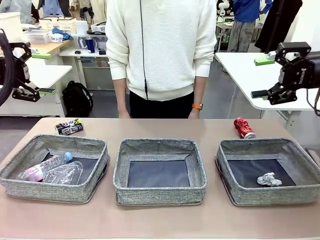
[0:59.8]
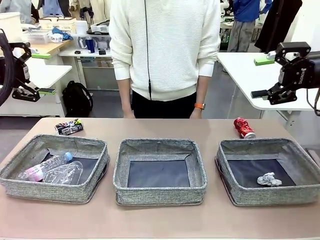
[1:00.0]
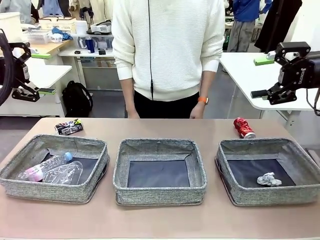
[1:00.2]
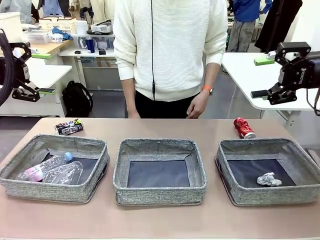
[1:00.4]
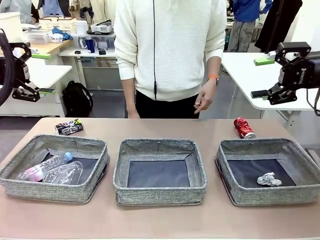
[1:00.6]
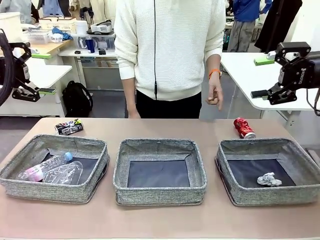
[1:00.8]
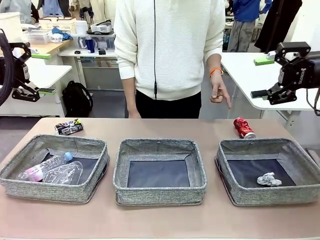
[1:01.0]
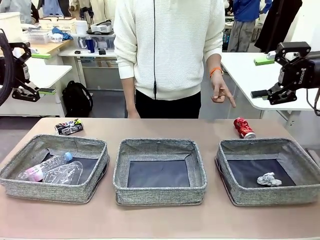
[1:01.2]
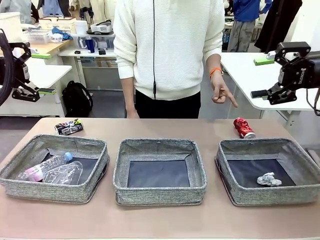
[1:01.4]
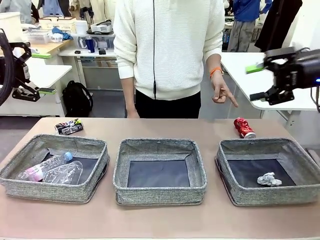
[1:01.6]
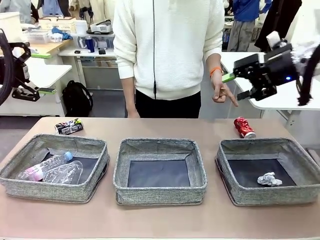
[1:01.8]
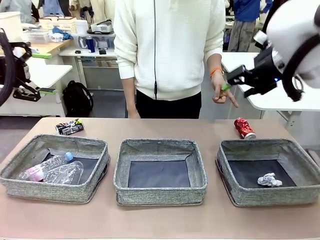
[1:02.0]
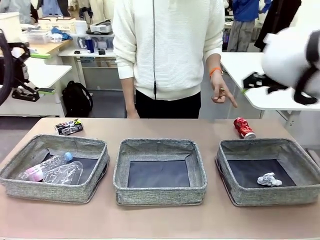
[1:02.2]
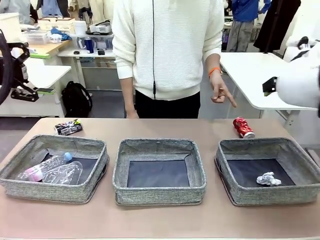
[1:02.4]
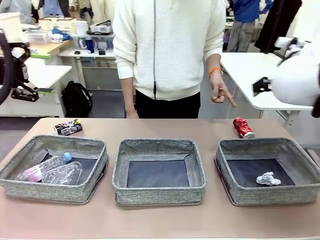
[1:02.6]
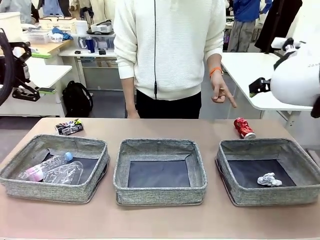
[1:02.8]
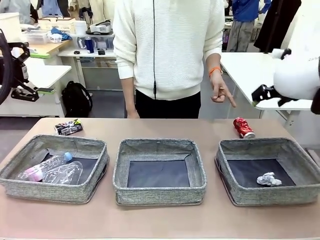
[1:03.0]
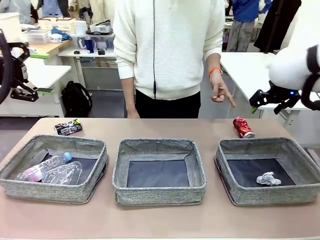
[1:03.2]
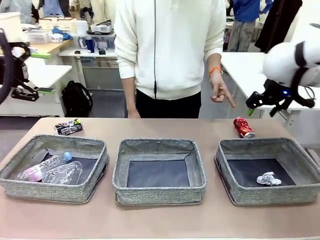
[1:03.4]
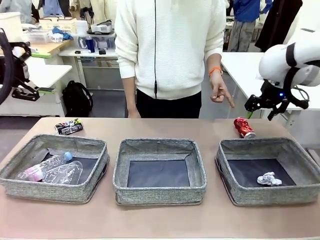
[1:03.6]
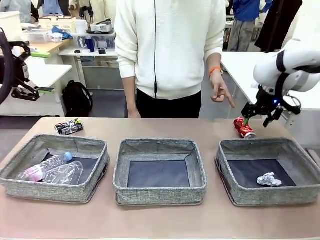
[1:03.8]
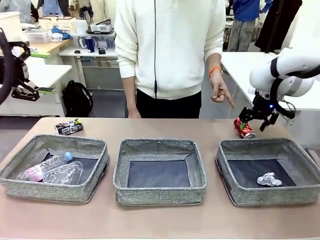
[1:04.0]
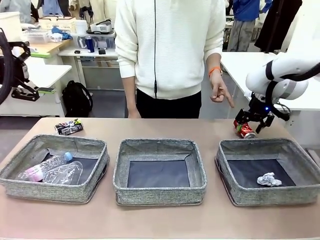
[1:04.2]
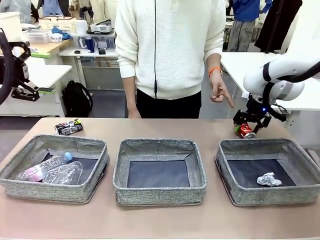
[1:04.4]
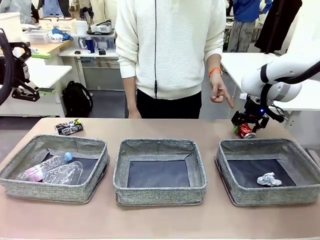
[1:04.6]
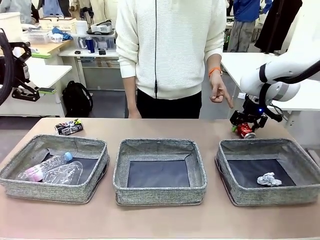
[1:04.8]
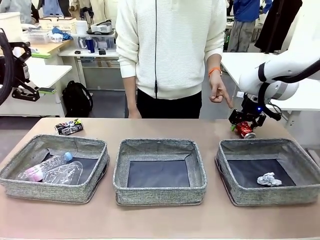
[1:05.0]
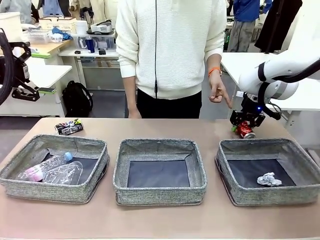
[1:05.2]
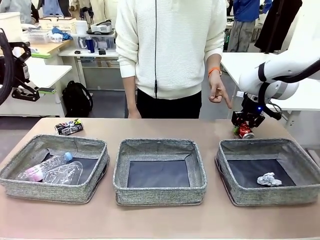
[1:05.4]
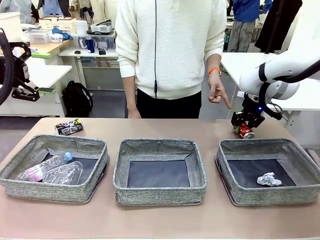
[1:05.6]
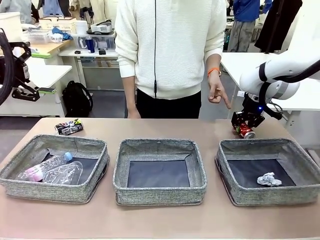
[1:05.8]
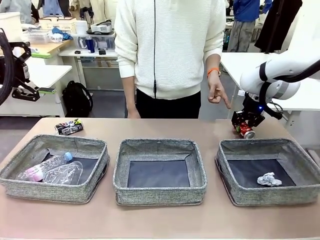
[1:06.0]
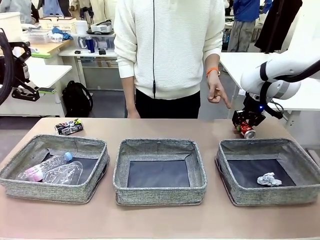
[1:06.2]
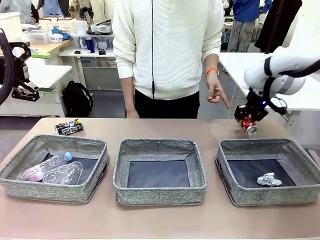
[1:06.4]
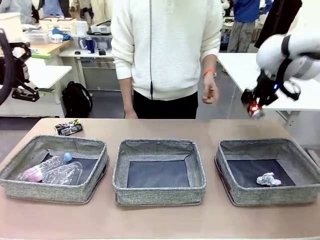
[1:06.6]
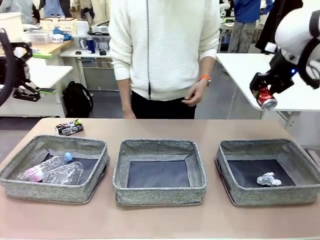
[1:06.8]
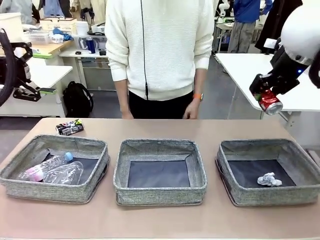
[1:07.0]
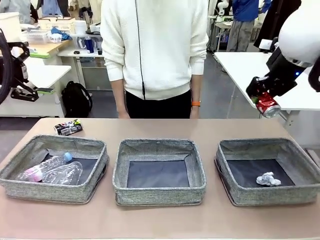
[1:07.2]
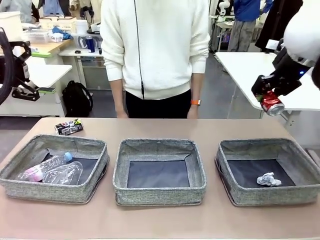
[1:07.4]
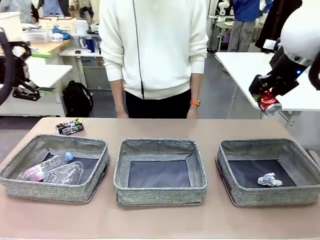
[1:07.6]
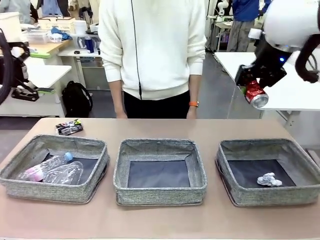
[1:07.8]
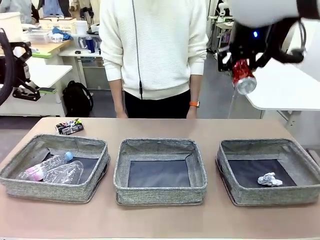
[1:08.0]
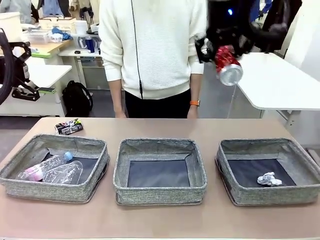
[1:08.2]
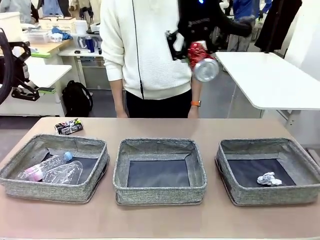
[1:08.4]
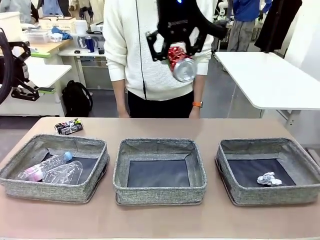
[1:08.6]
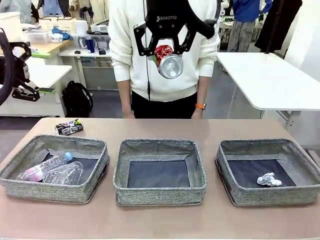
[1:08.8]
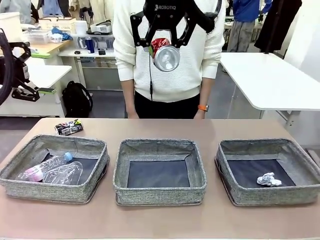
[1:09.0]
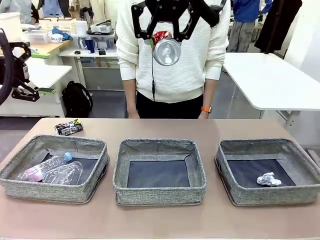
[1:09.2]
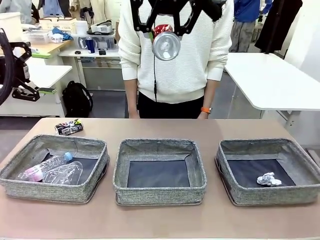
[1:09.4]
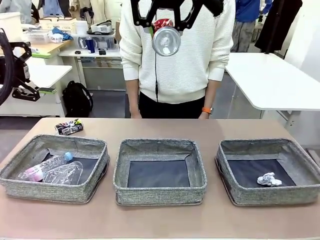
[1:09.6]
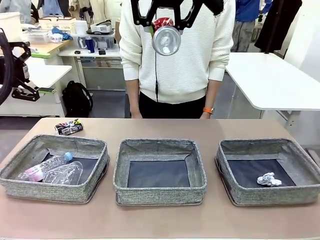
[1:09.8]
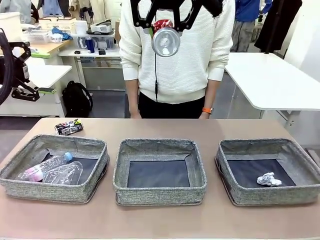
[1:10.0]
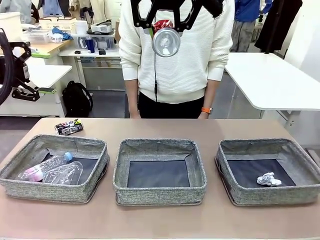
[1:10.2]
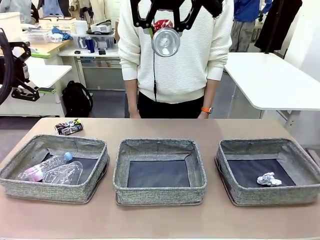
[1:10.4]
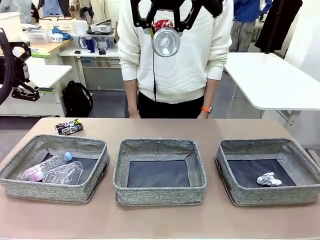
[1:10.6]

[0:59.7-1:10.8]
Task: Sort the waste into the appropriate baskets.
Robot: Pick up the waste item pointed out by the person.
Person: Points to one piece of trash on the table.

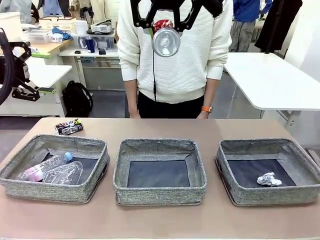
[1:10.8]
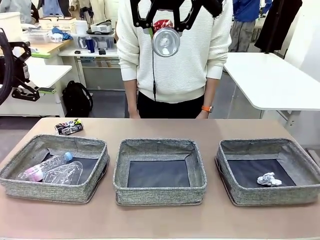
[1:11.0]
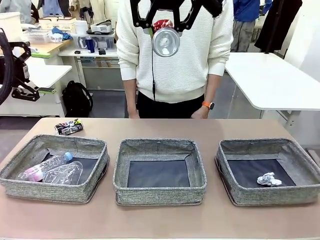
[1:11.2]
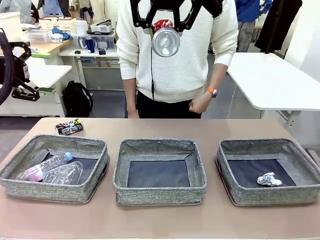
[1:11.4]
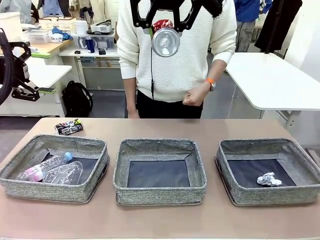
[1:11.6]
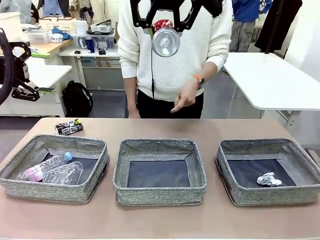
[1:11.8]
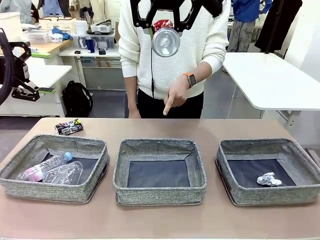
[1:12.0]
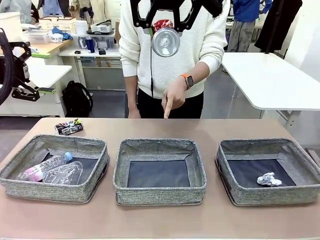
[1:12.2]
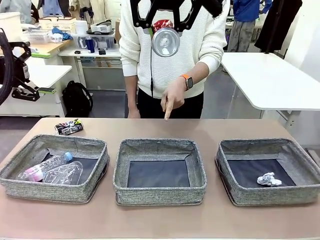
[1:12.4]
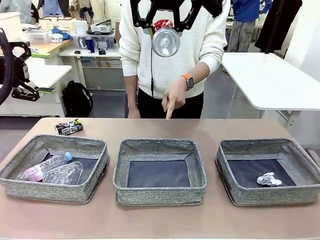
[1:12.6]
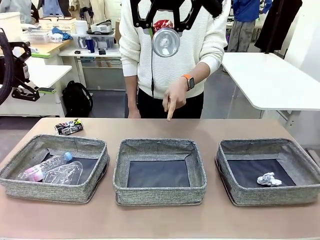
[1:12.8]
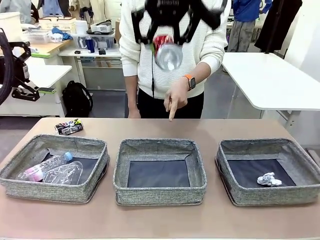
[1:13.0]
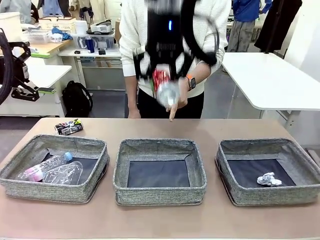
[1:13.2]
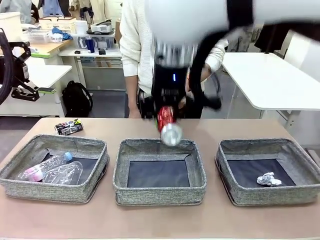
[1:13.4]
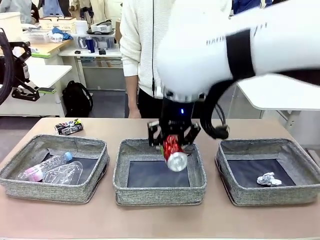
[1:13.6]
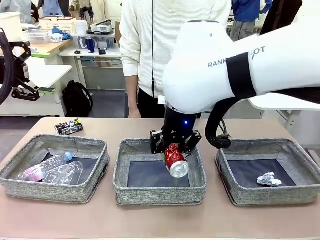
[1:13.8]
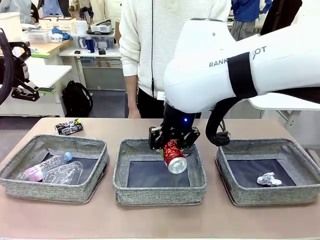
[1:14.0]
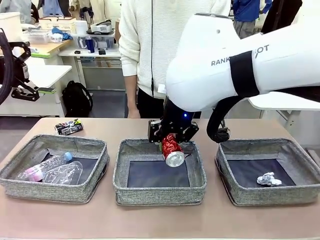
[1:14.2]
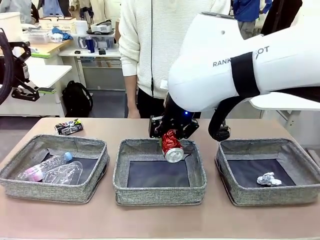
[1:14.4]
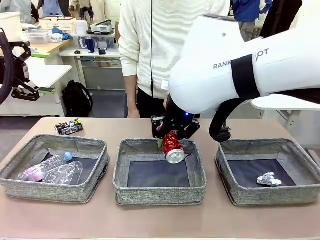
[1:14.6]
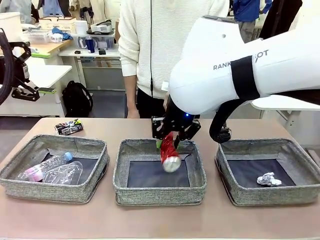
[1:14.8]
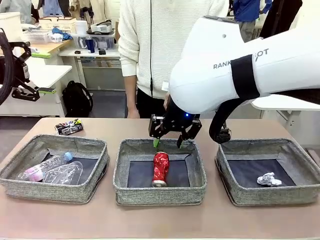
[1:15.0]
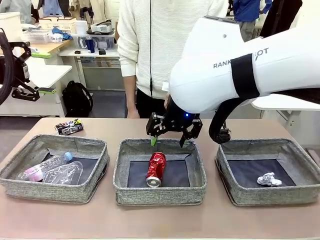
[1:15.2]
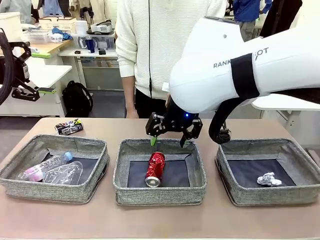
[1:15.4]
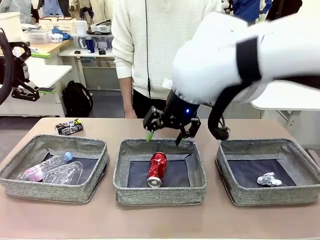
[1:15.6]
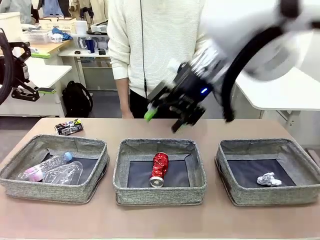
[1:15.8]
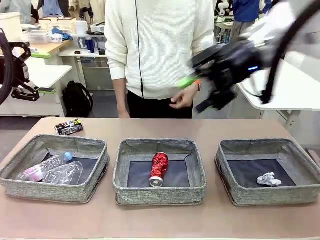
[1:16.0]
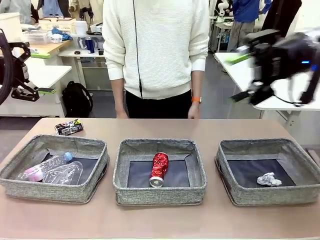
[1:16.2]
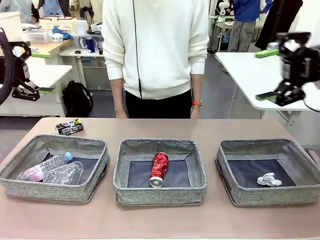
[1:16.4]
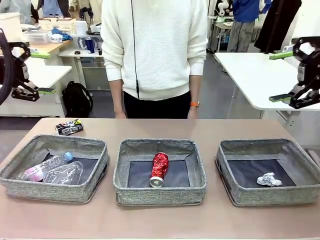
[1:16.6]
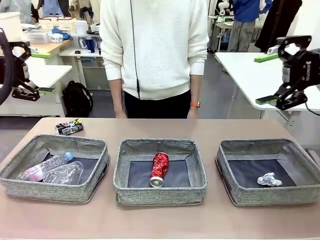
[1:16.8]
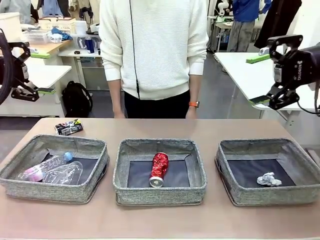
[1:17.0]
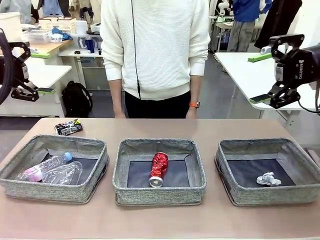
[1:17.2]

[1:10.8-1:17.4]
Robot: Place the picked waste into the Fabric basket indicated by the person.
Person: Instructs the robot to place the picked-up trash into the appropriate organizing basket.
